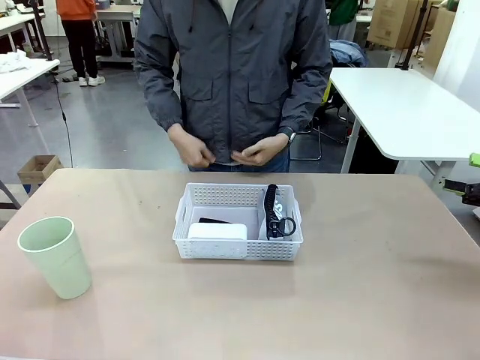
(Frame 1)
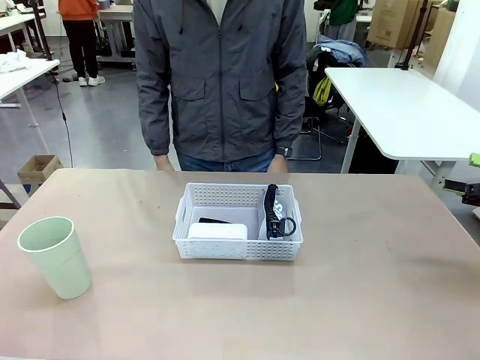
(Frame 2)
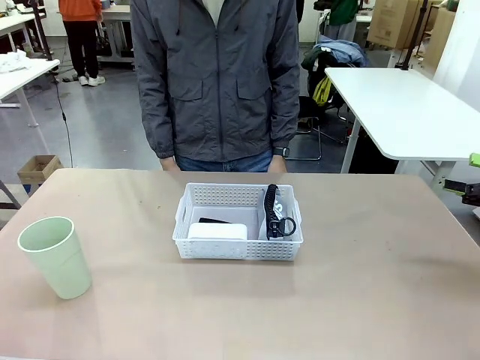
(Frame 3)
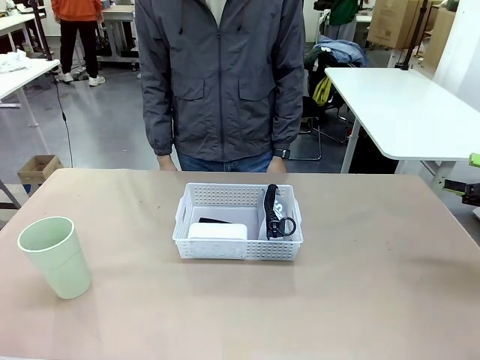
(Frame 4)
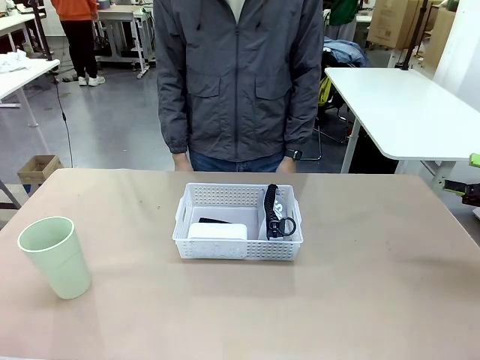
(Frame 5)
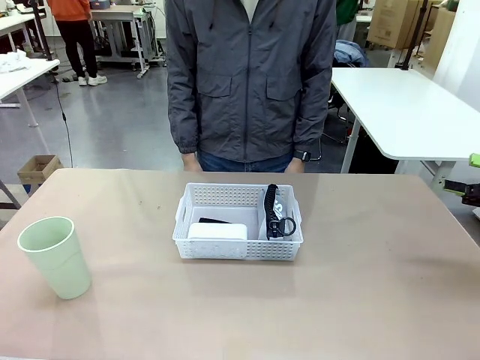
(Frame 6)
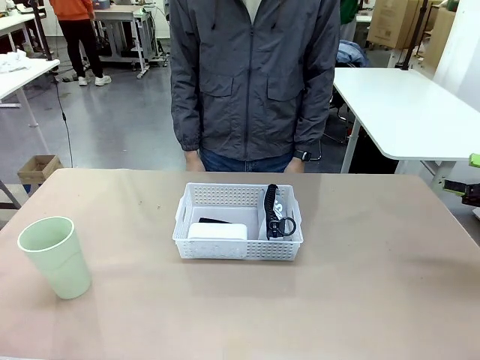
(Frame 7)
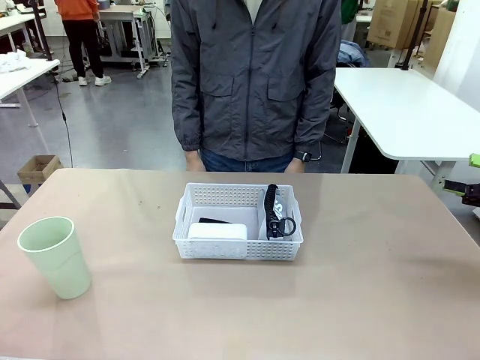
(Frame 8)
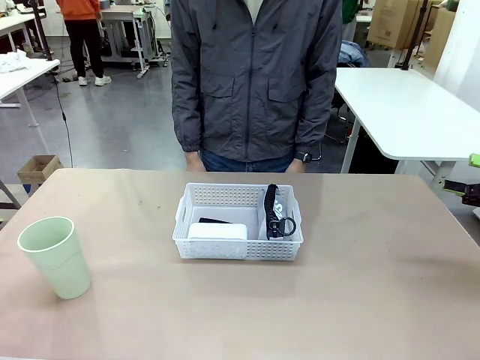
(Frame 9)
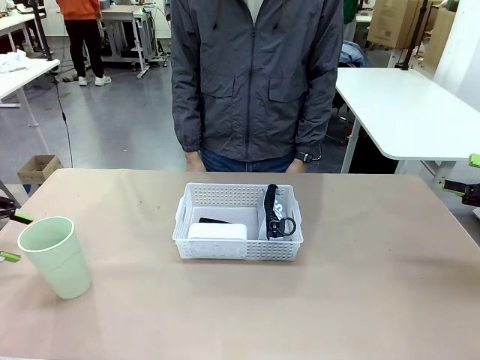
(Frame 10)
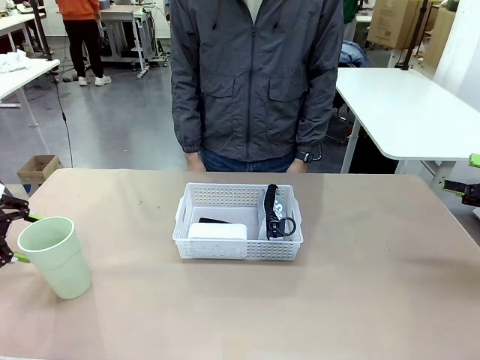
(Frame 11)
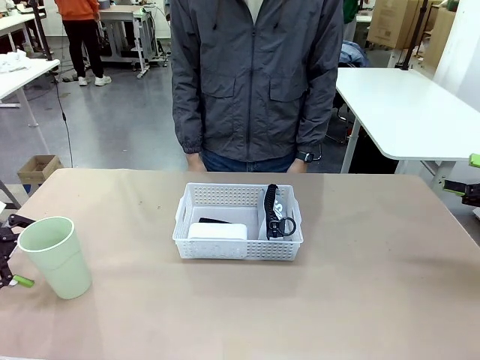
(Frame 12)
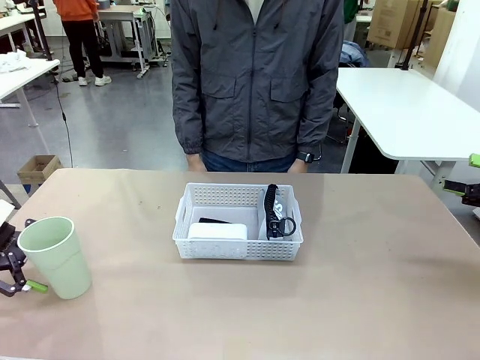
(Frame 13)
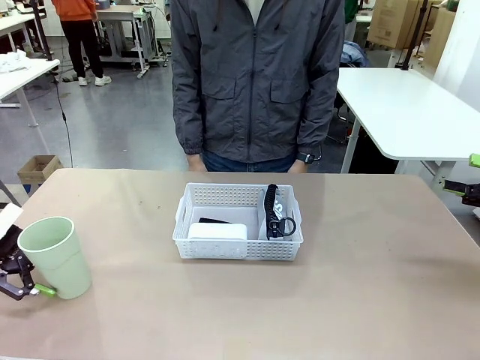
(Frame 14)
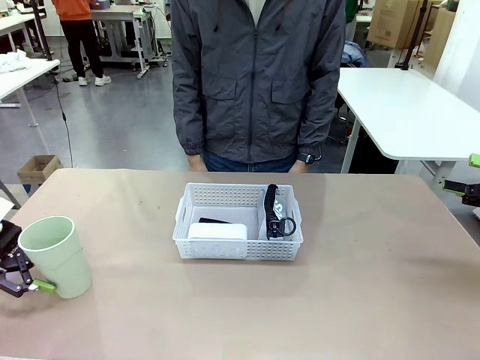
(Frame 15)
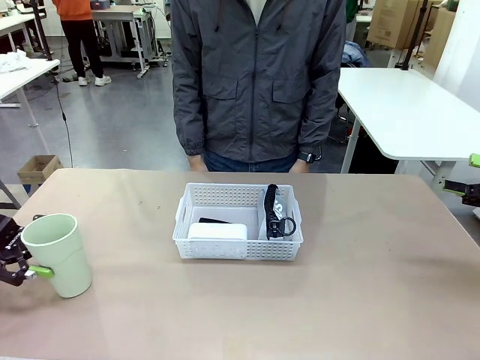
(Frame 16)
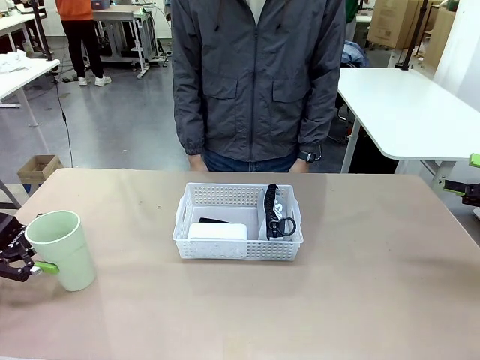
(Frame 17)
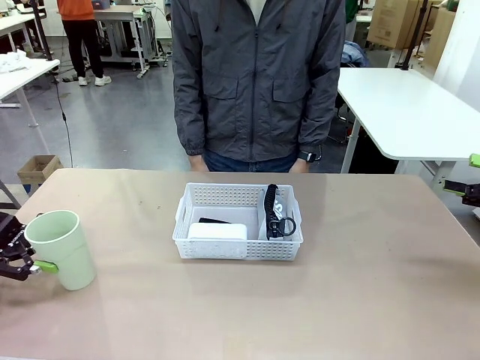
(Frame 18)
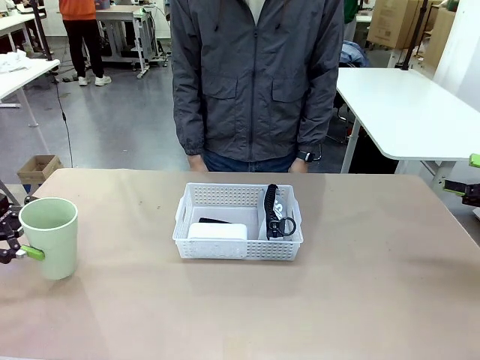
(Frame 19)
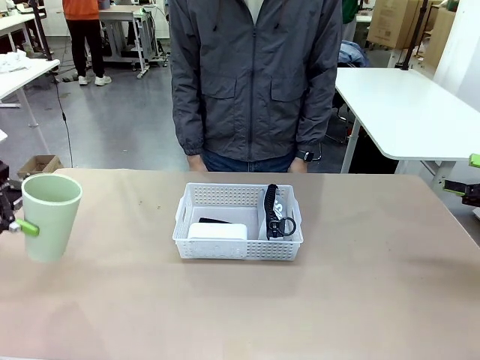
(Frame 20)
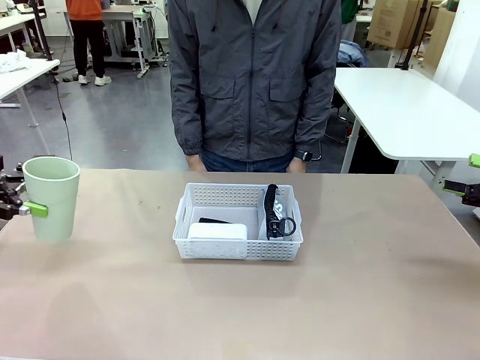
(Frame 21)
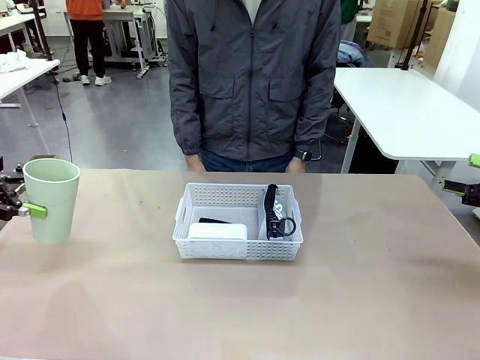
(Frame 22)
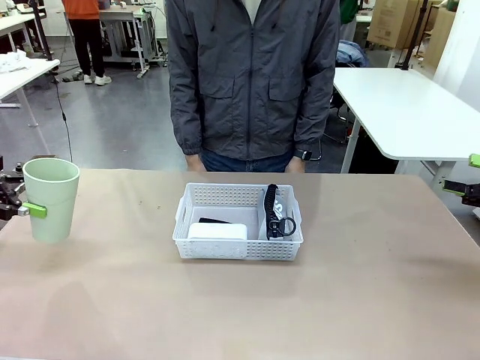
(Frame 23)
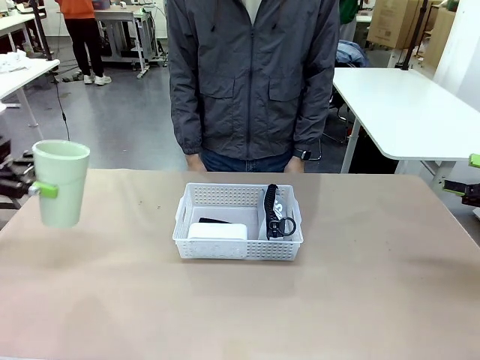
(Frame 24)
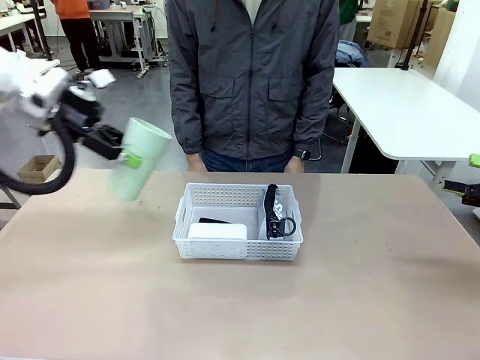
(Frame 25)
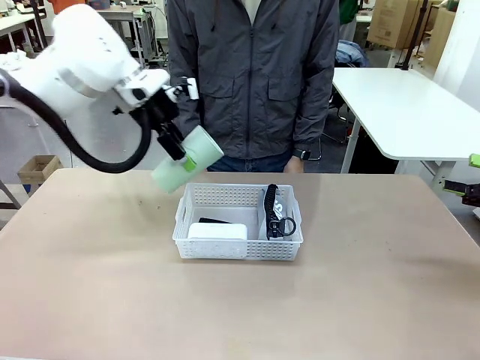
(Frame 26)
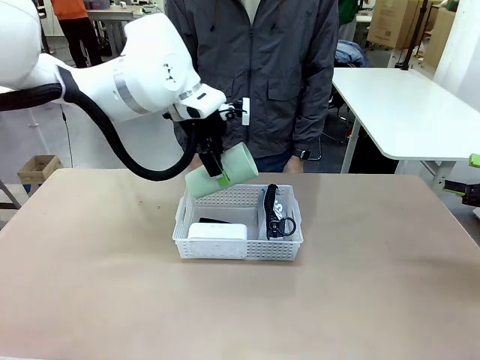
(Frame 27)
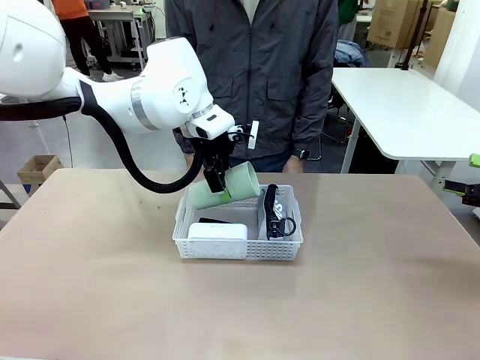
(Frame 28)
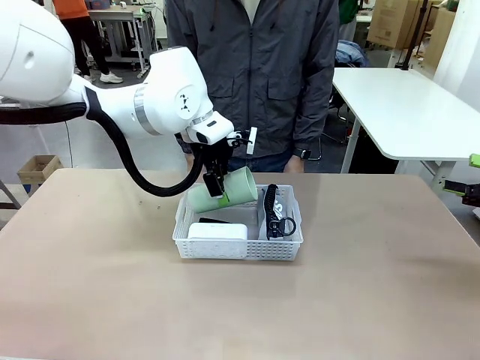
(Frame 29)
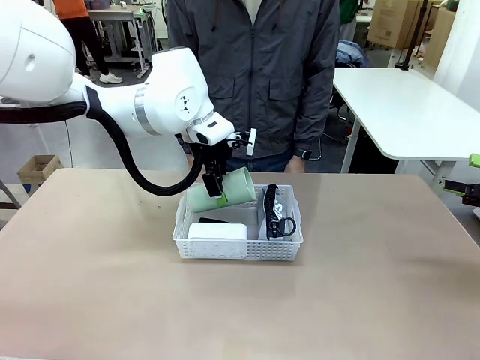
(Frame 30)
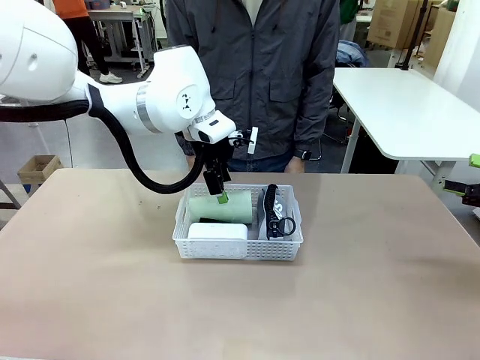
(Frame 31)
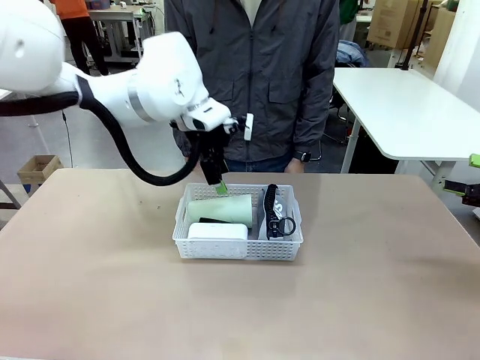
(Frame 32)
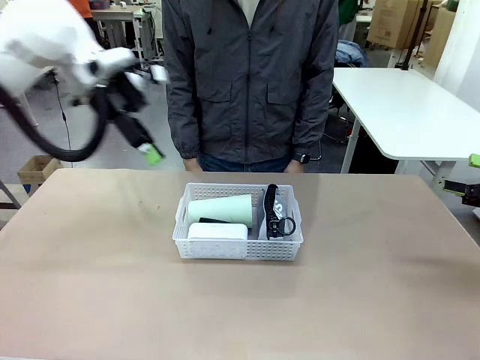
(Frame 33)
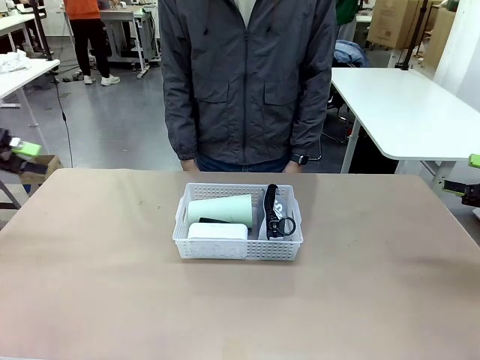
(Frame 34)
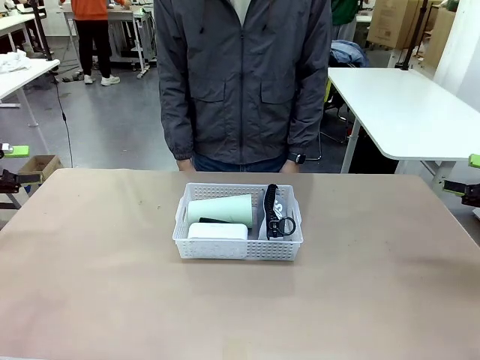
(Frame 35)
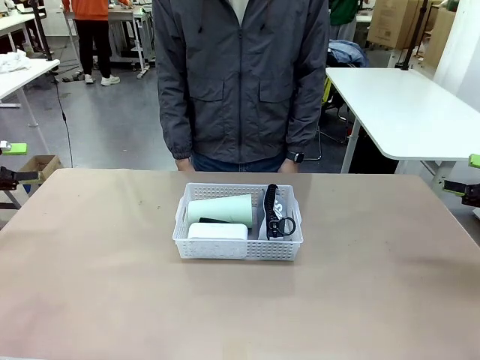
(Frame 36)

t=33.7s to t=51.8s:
Task: Efficiently arrange items inside the basket to fit them all.
Robot: Pick up the Reusable plastic cup and place it inside the Organizing basket.
Person: Repositions the stapler.

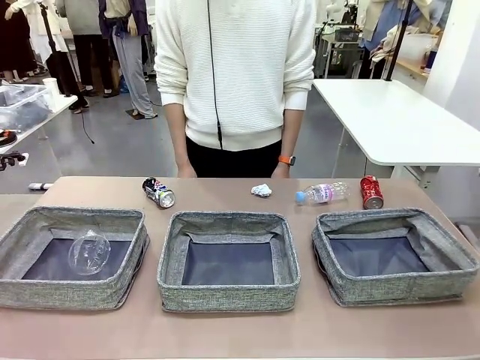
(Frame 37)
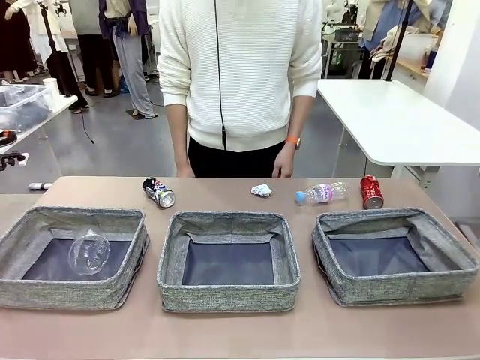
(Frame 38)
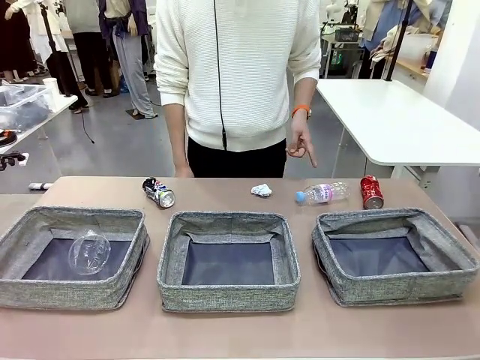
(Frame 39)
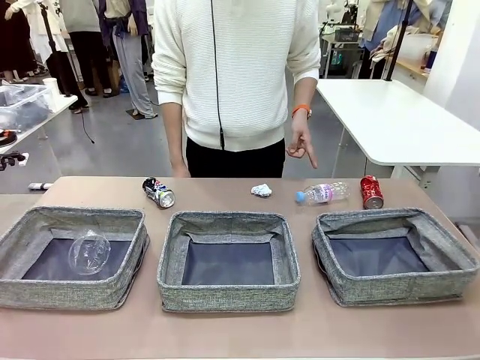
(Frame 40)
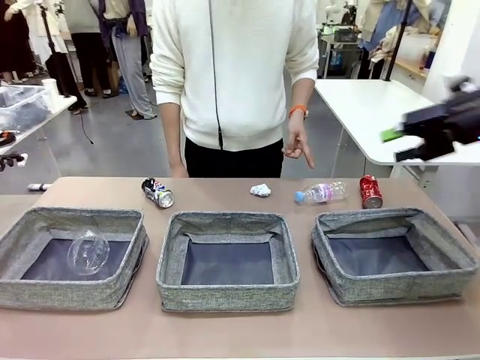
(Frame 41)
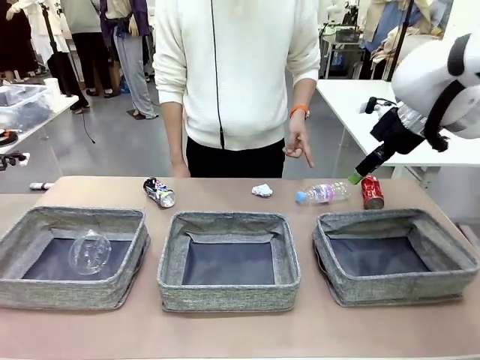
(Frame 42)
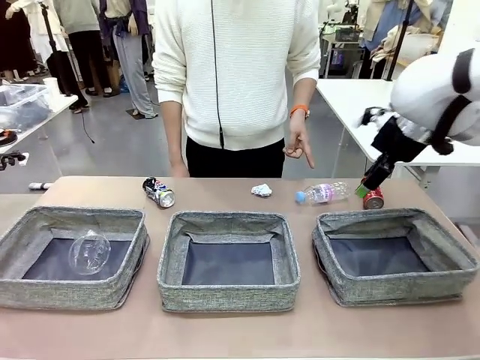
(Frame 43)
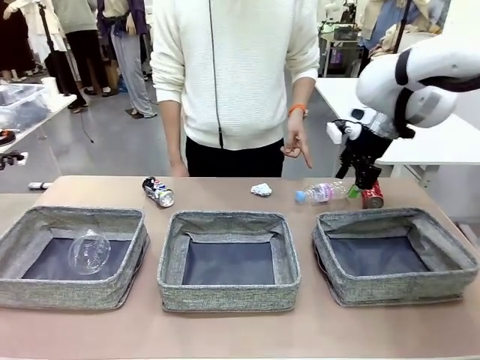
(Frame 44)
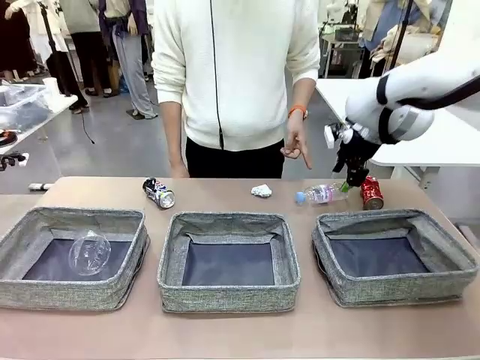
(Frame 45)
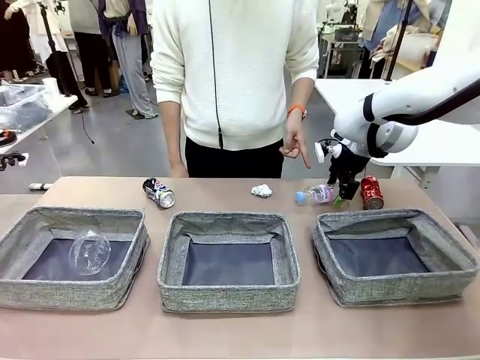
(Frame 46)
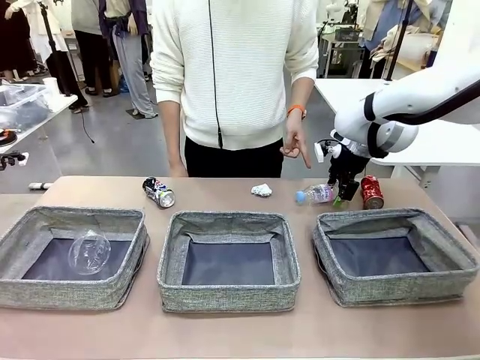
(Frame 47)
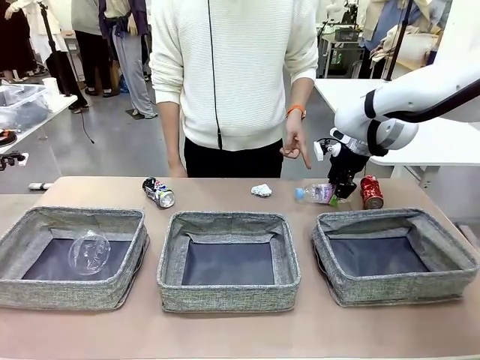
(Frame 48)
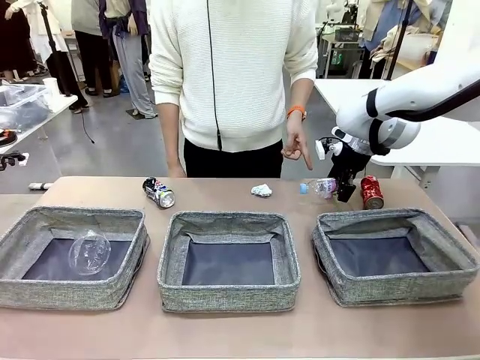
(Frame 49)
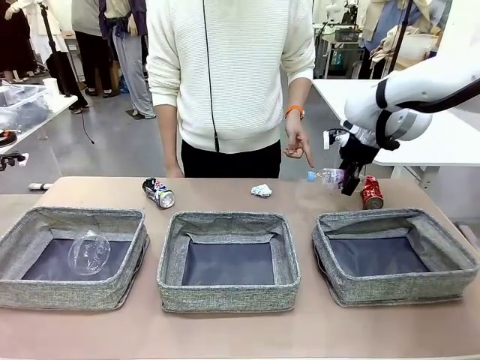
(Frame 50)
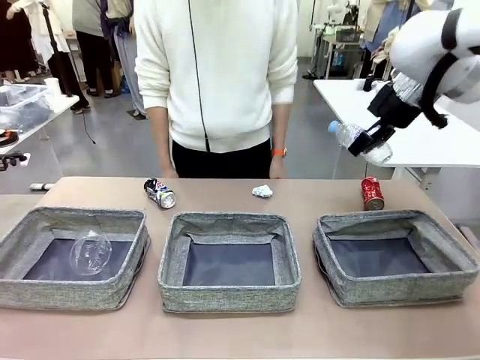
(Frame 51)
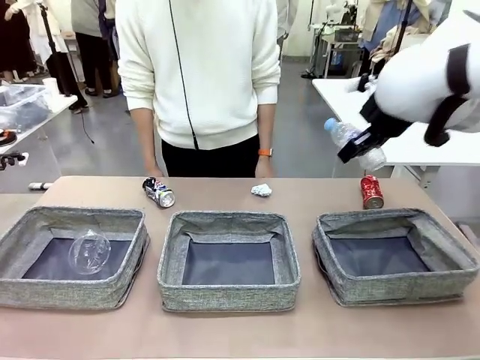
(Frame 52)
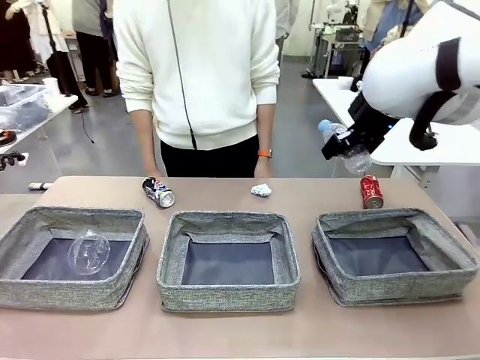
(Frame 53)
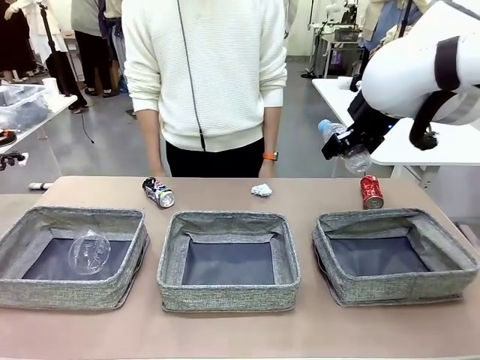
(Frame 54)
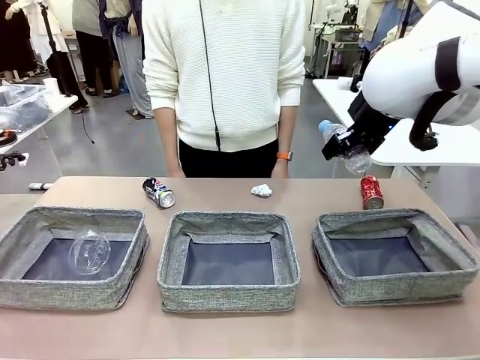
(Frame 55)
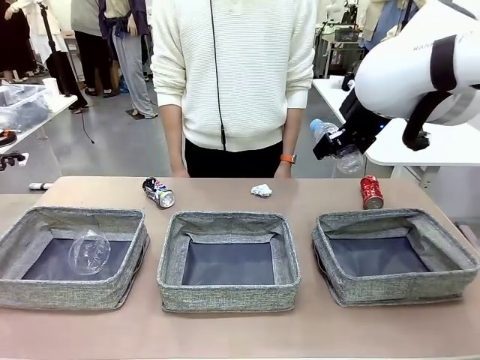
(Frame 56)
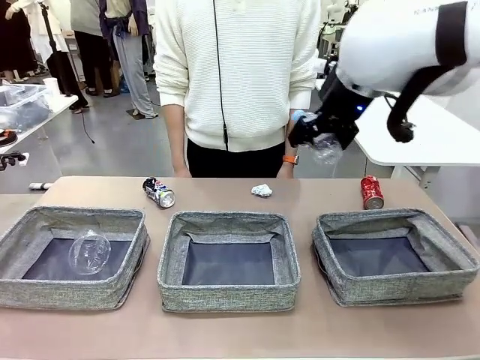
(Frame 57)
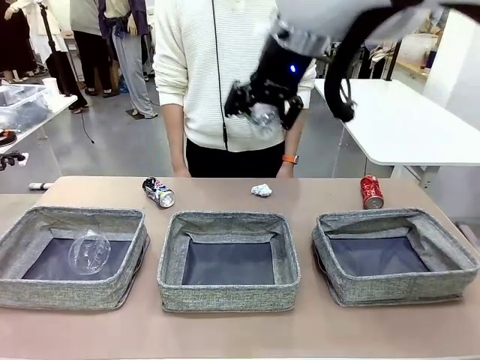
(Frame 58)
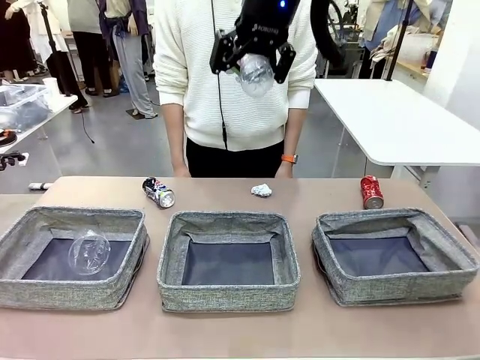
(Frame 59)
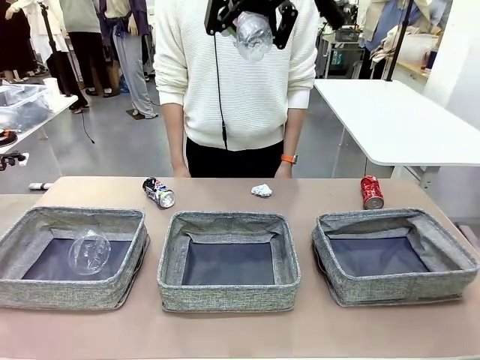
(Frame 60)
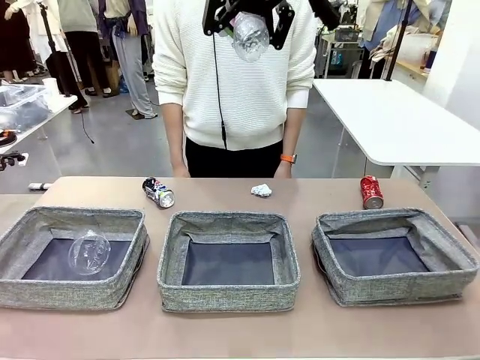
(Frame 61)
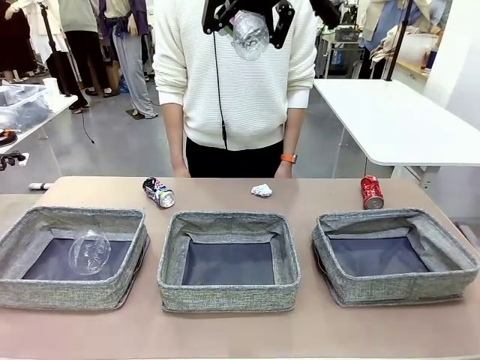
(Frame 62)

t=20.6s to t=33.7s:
Task: Sort the waste into the appropriate baskets.
Robot: Pick up the waste item pointed out by the person.
Person: Points to one piece of trash on the table.
